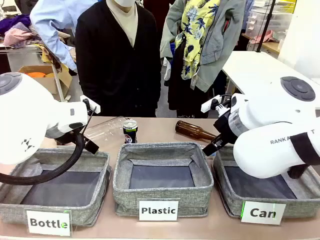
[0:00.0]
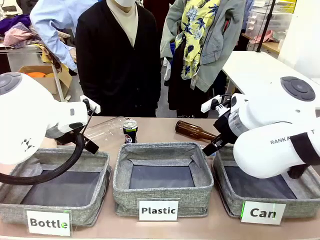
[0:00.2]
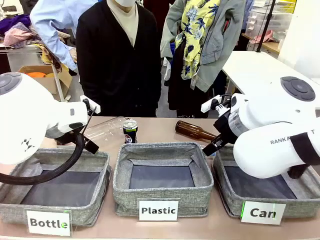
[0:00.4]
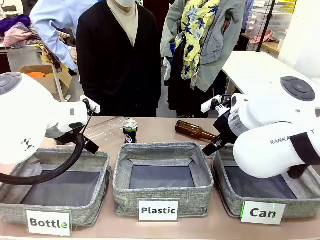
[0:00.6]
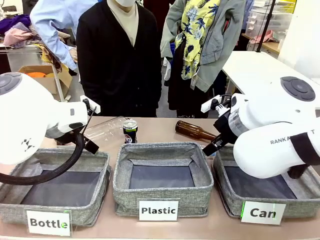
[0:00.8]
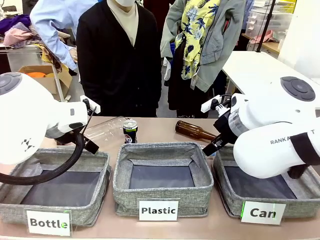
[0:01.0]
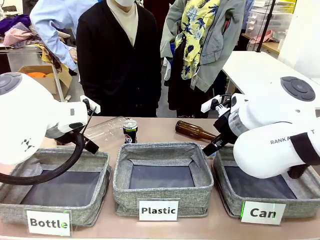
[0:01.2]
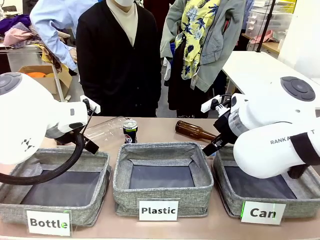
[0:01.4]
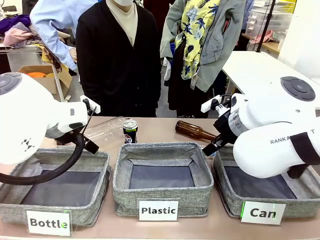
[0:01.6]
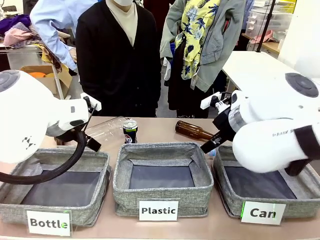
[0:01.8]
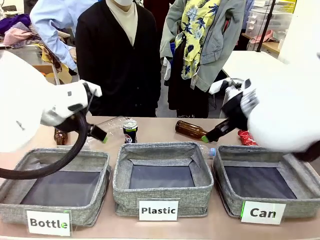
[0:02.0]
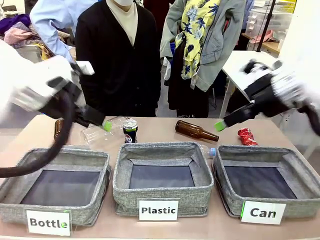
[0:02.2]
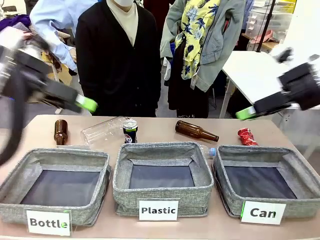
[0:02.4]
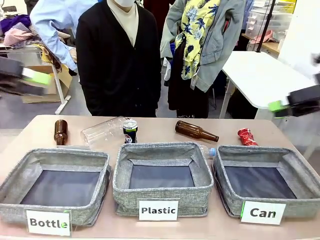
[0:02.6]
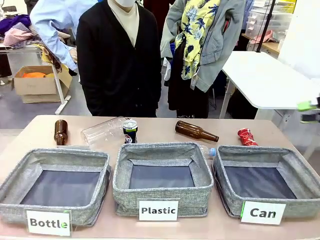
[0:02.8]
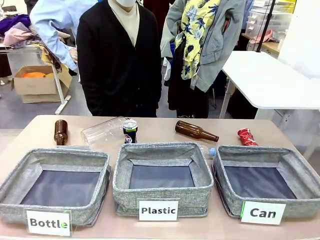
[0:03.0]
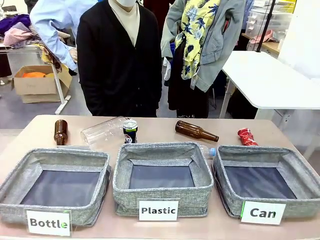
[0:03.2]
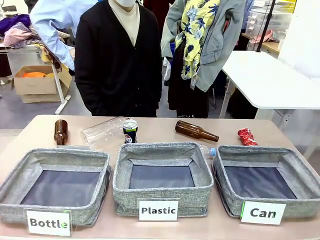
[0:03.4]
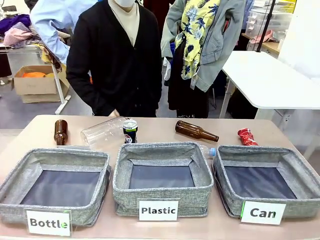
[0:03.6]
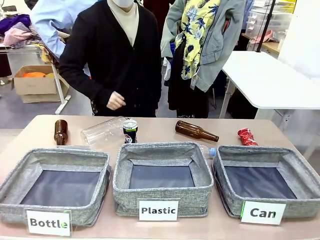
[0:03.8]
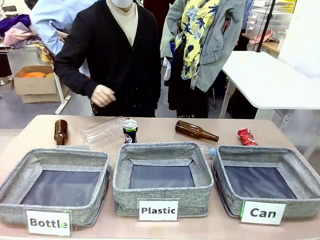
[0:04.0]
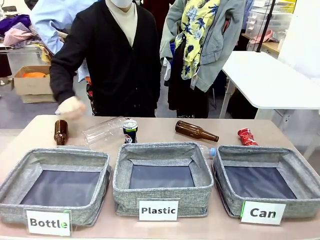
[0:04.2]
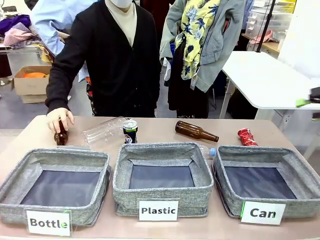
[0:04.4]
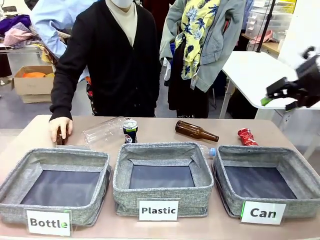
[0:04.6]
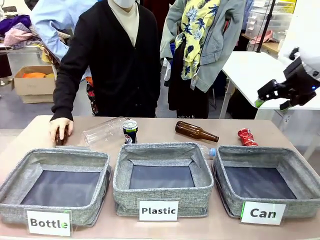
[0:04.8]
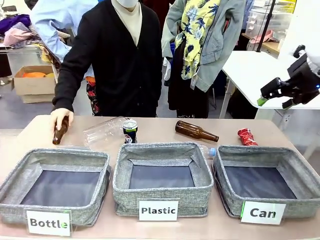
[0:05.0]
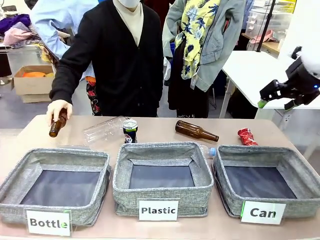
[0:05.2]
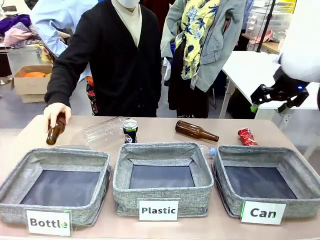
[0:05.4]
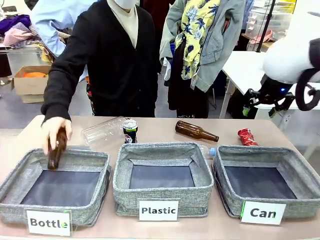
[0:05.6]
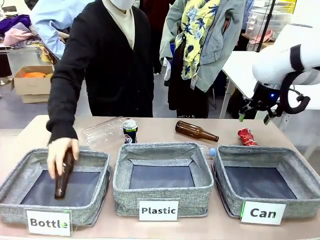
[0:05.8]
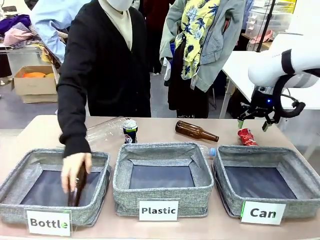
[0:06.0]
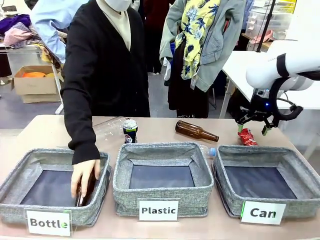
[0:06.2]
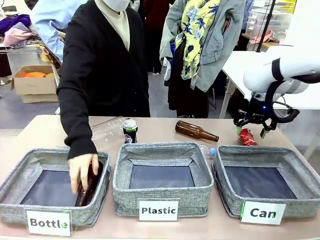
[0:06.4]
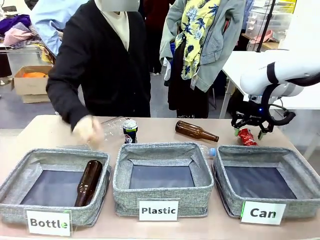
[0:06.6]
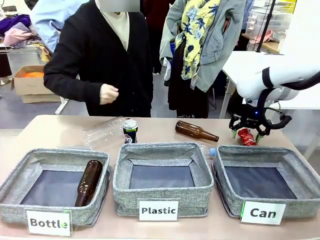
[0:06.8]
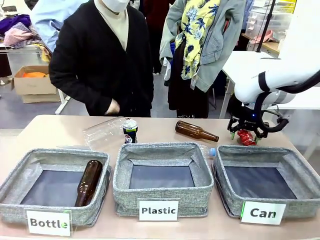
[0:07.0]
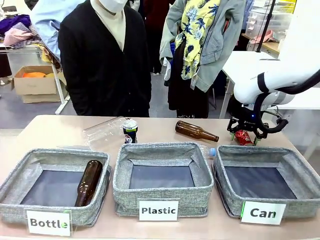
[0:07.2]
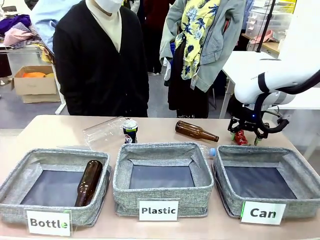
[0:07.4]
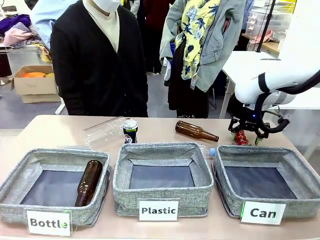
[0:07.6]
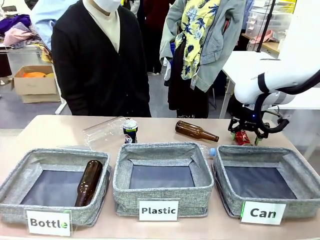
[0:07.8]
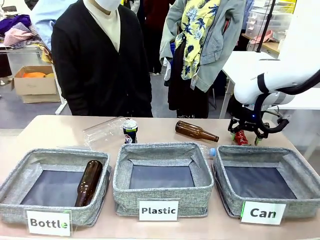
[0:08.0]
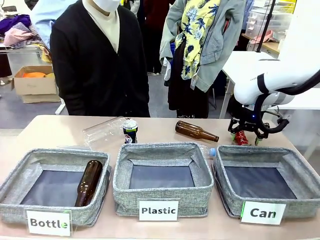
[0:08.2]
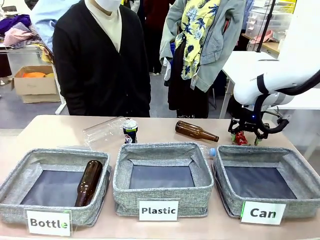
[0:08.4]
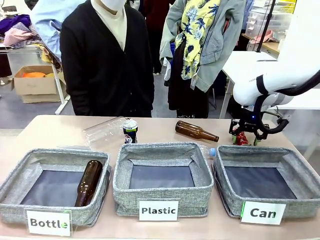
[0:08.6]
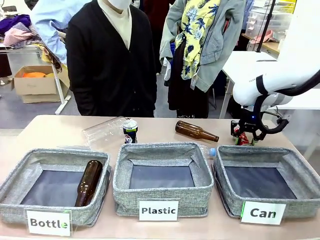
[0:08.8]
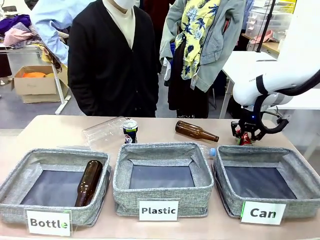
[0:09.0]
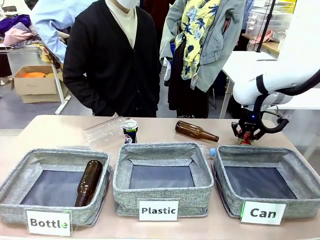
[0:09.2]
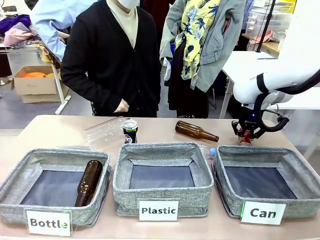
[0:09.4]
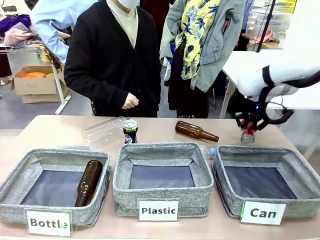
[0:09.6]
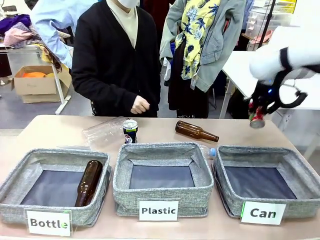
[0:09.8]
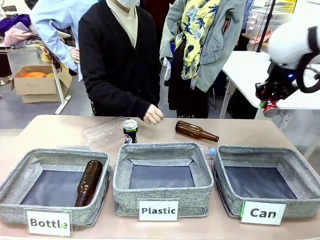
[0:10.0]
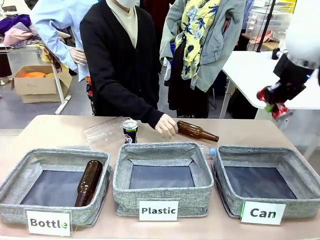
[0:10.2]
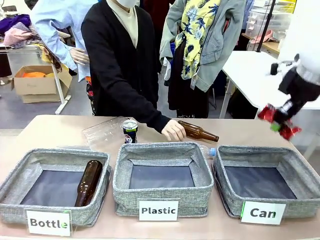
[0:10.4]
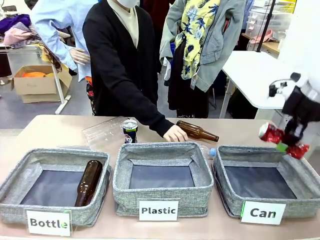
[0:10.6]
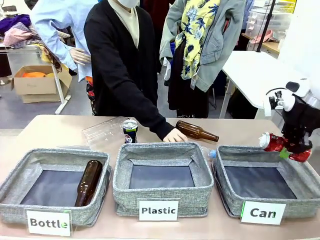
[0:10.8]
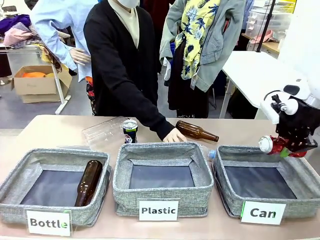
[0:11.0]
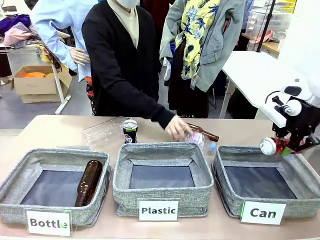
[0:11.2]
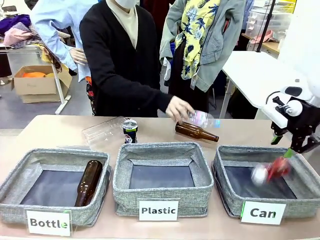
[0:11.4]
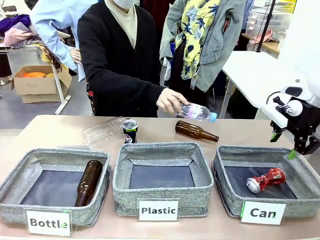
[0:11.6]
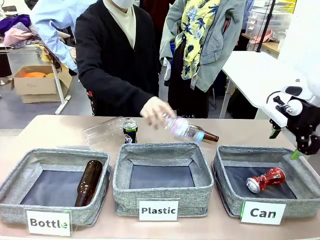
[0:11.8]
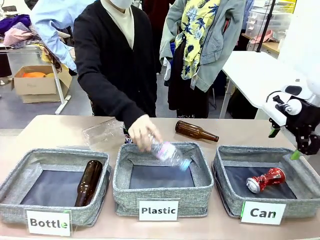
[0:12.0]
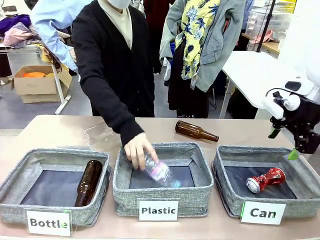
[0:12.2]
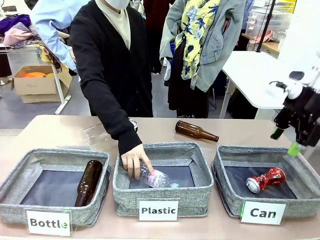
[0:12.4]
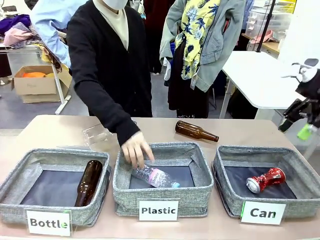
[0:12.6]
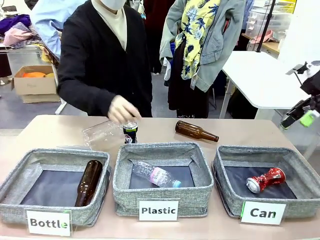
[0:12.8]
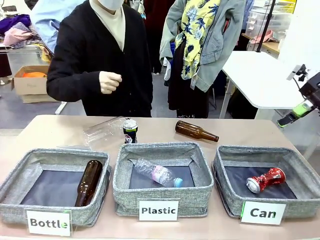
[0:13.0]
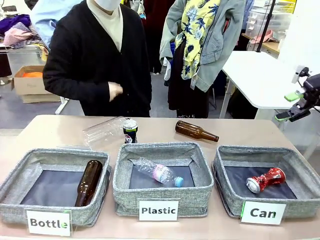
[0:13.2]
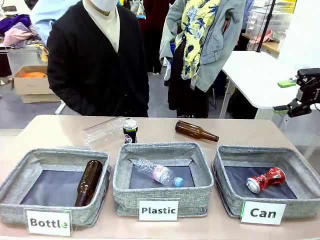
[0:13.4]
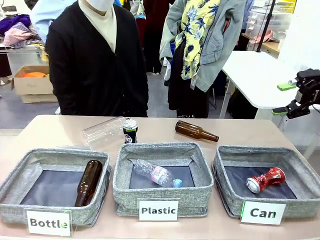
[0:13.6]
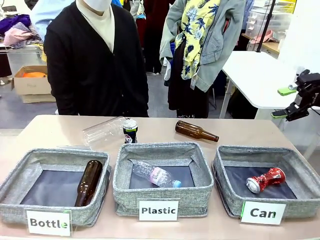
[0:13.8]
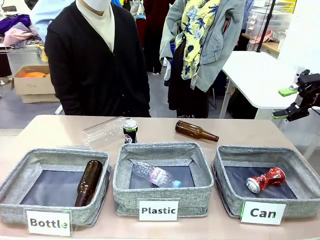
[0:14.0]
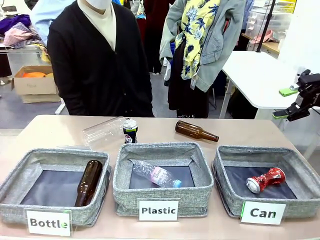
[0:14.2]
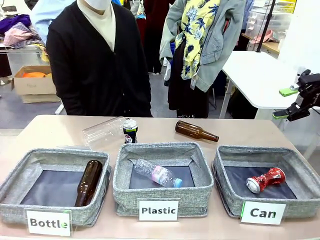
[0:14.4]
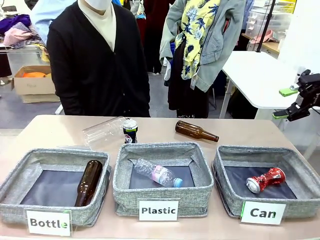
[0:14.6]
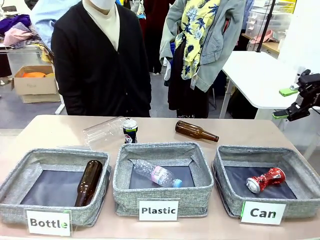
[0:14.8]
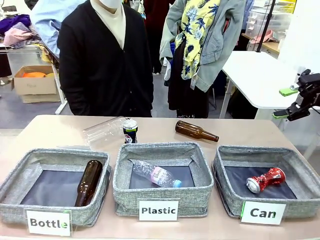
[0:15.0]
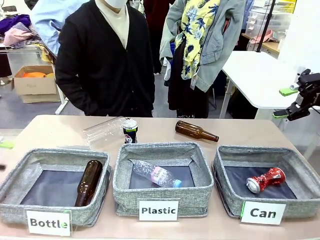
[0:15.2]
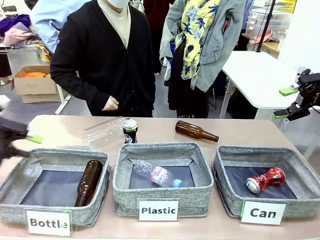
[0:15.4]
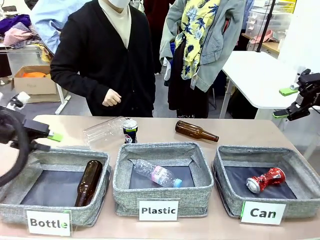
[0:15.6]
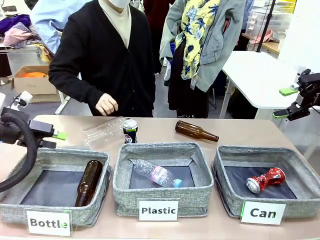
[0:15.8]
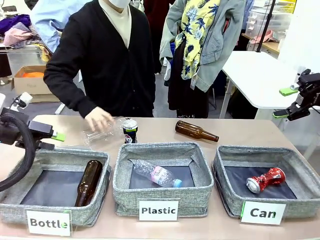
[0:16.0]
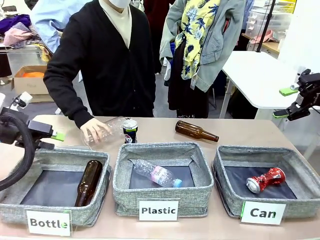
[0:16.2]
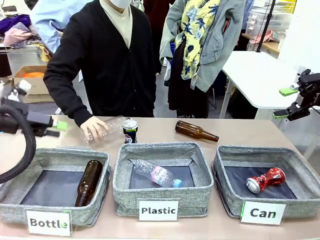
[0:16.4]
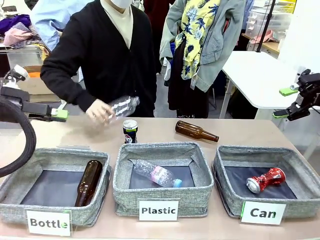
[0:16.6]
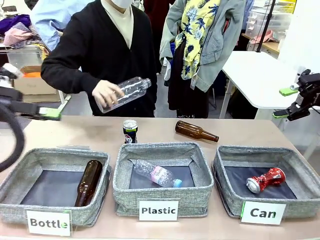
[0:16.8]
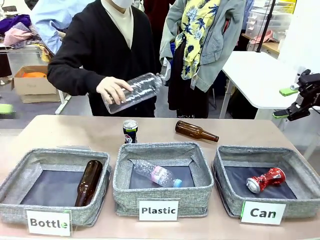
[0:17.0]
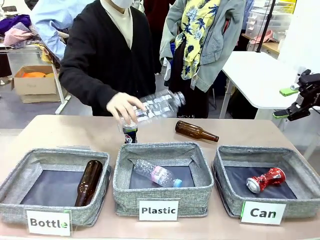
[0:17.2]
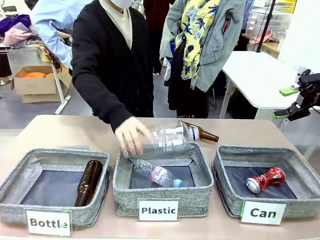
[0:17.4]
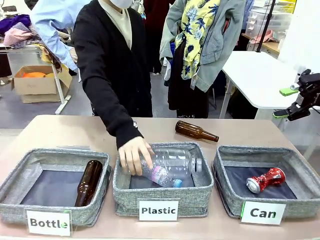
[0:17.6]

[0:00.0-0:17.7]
Task: Sort the can waste into the basket.
Robot: Pick up the can waste from the table and place it in the right Fabric basket.
